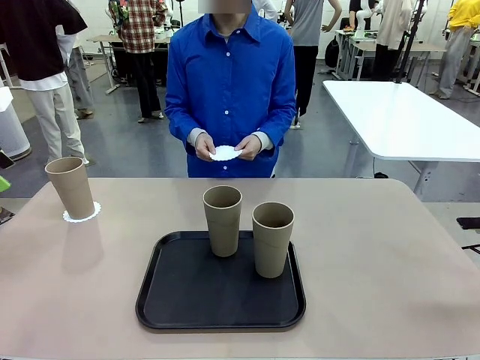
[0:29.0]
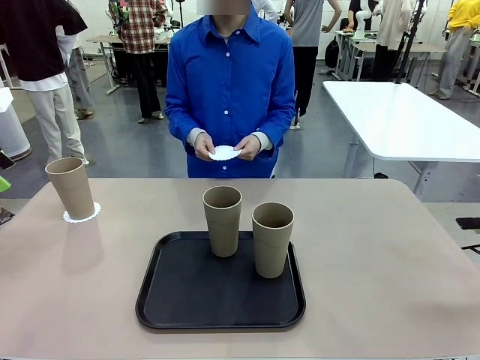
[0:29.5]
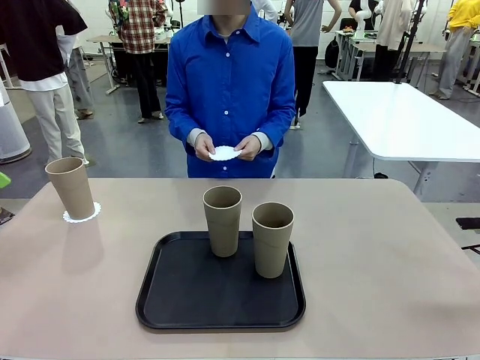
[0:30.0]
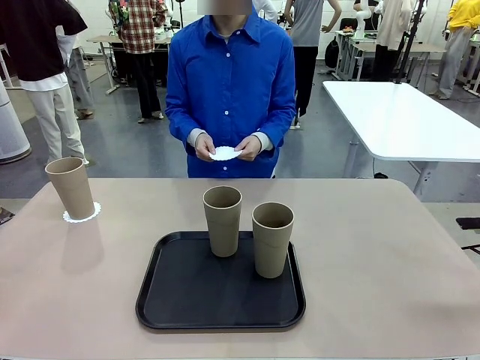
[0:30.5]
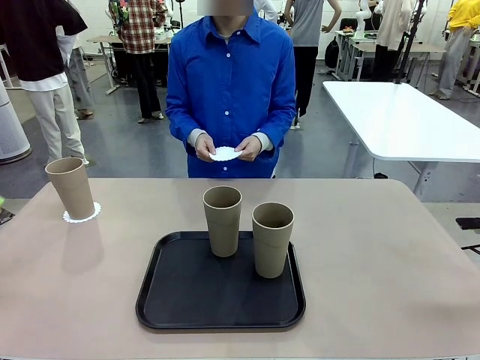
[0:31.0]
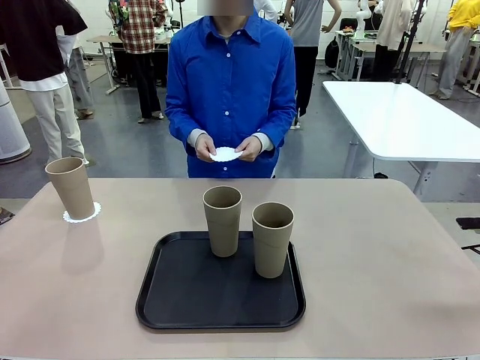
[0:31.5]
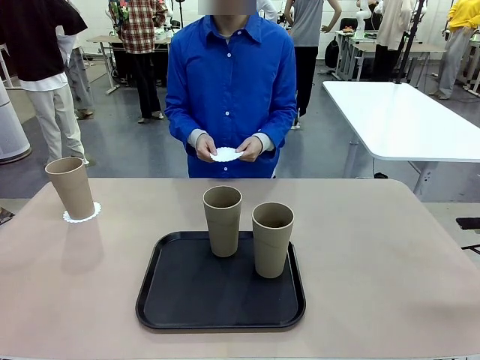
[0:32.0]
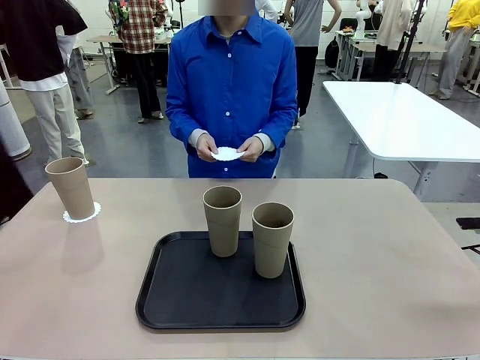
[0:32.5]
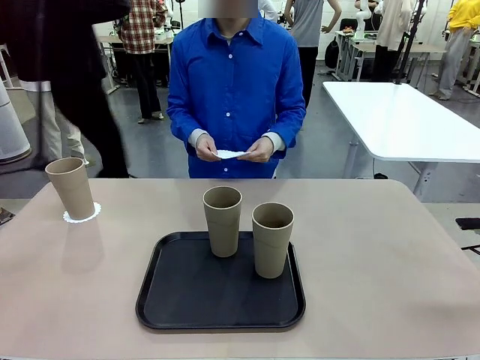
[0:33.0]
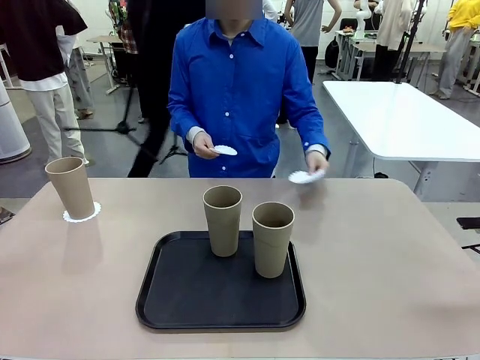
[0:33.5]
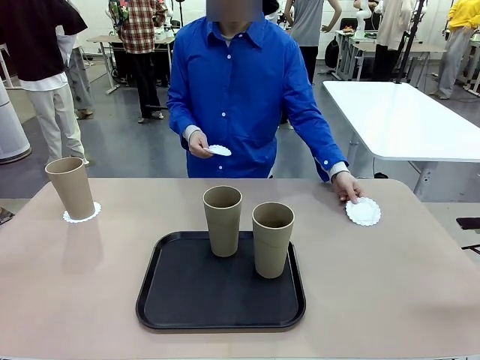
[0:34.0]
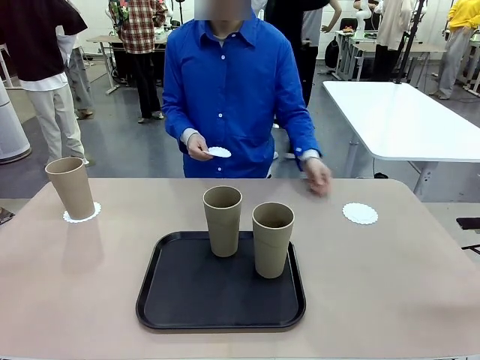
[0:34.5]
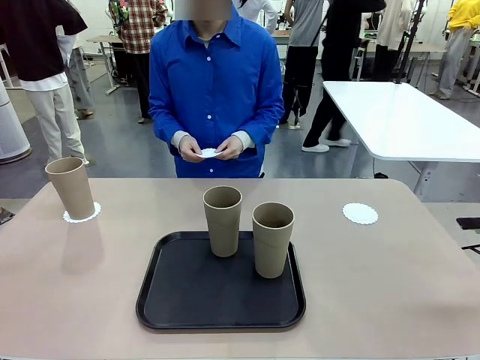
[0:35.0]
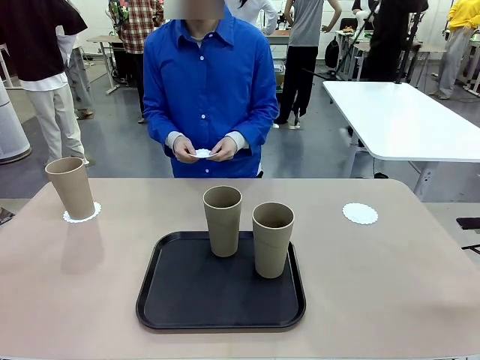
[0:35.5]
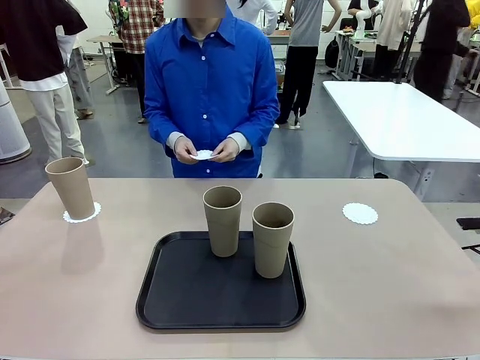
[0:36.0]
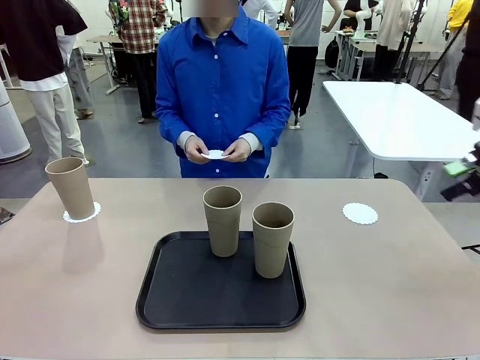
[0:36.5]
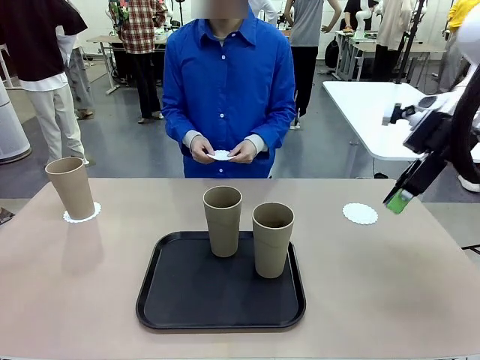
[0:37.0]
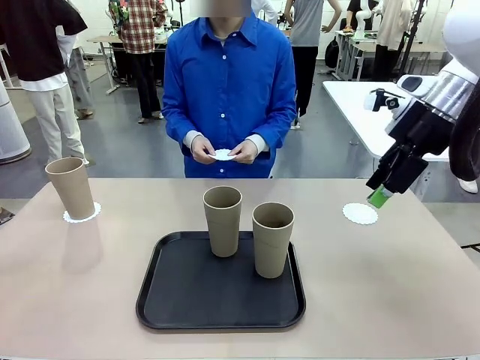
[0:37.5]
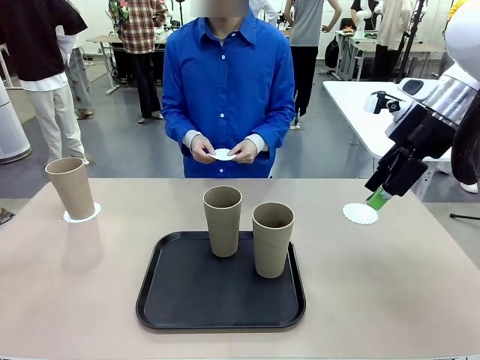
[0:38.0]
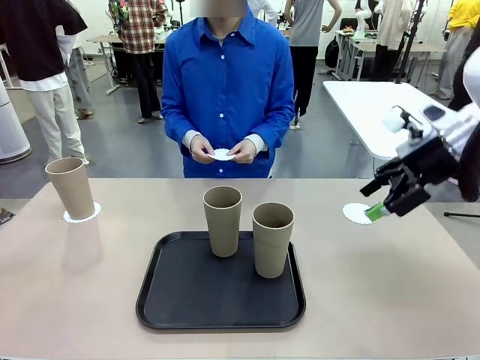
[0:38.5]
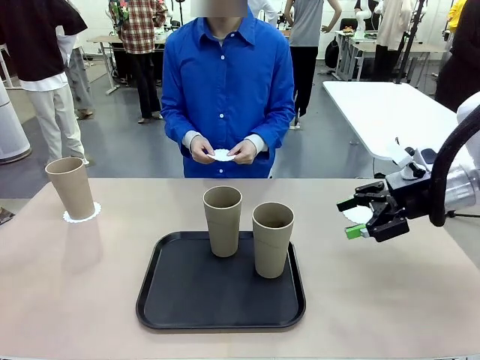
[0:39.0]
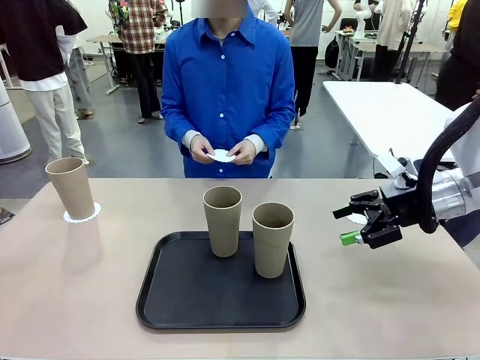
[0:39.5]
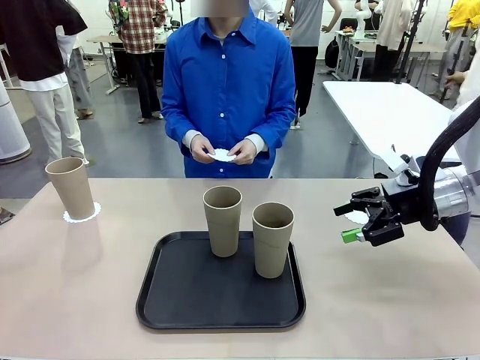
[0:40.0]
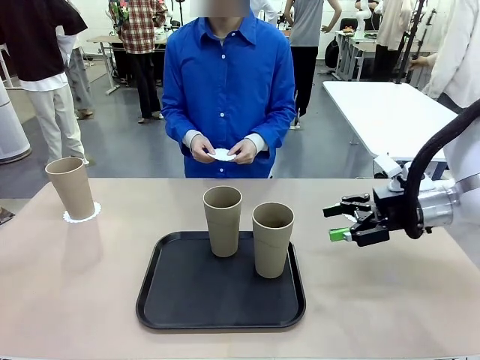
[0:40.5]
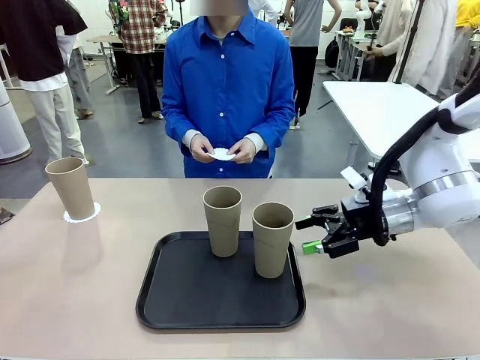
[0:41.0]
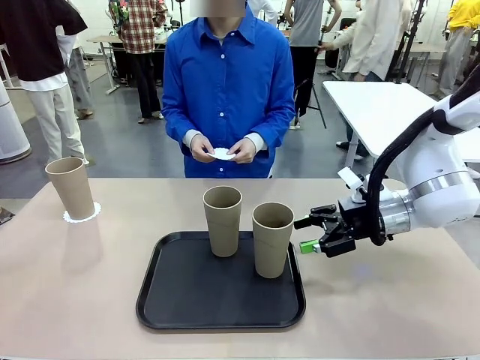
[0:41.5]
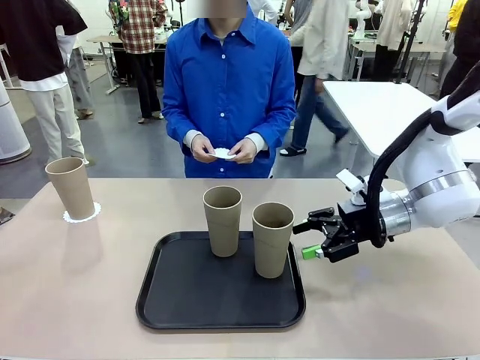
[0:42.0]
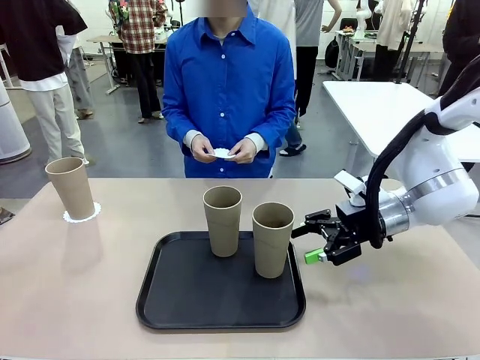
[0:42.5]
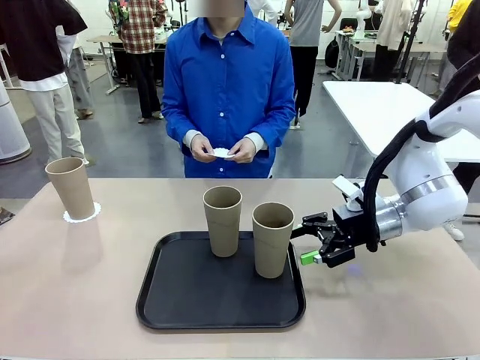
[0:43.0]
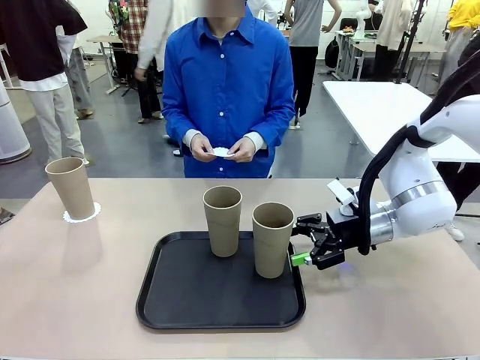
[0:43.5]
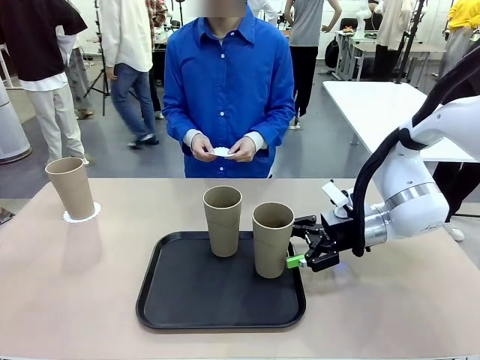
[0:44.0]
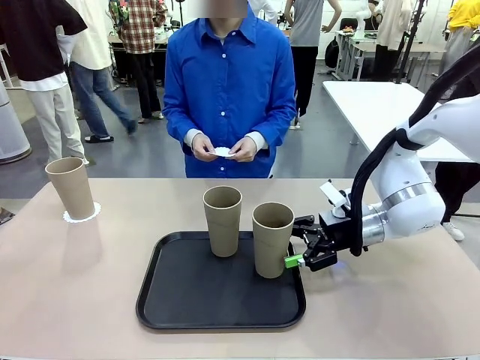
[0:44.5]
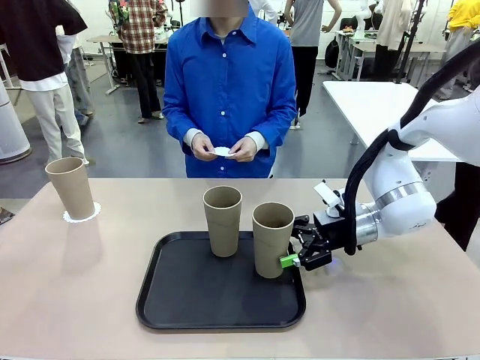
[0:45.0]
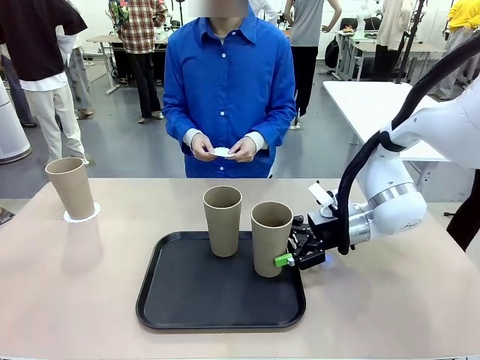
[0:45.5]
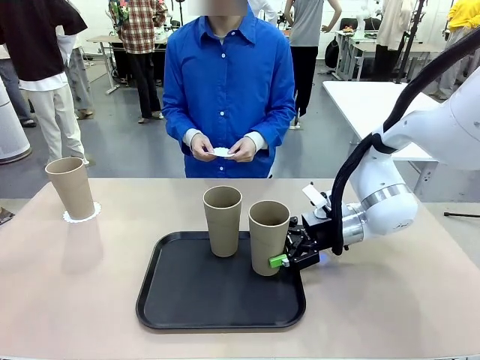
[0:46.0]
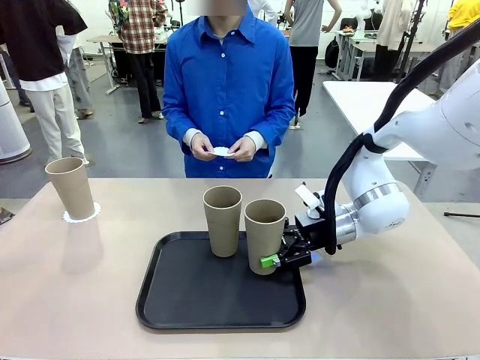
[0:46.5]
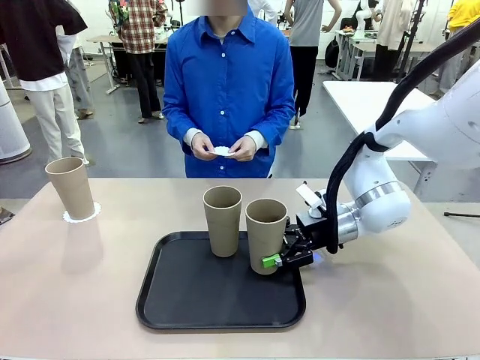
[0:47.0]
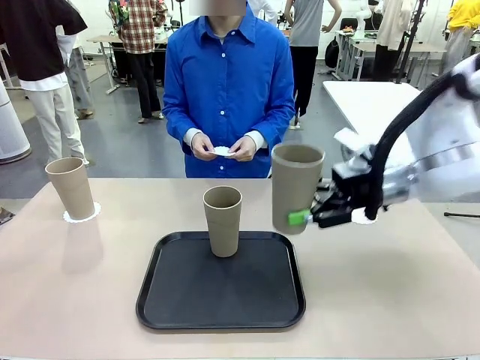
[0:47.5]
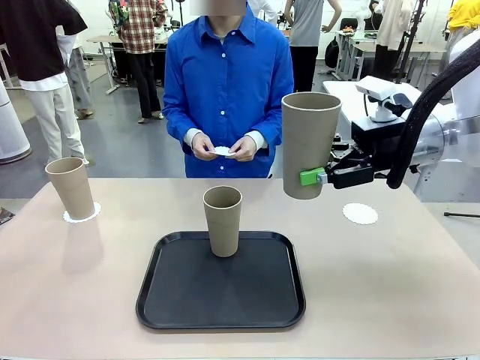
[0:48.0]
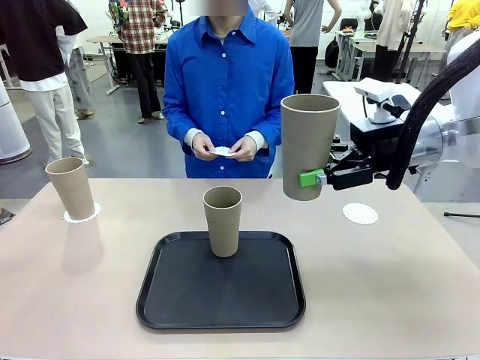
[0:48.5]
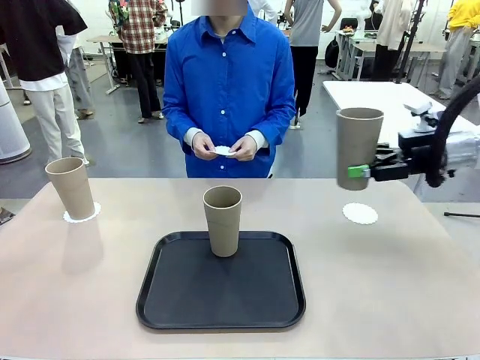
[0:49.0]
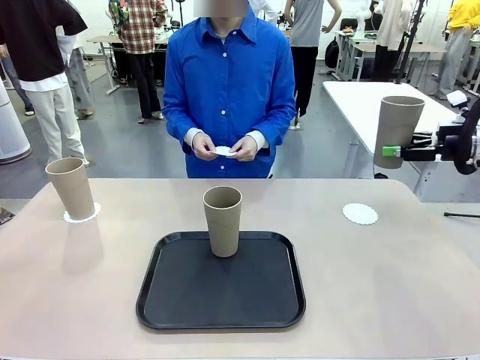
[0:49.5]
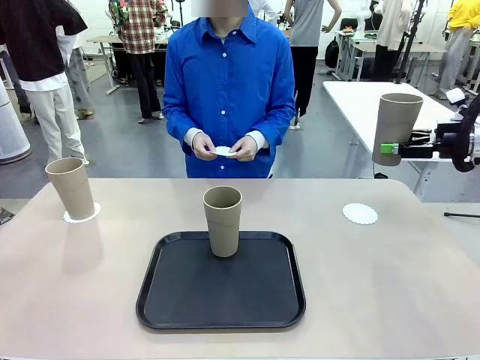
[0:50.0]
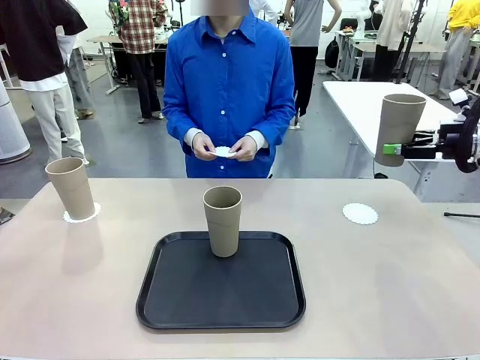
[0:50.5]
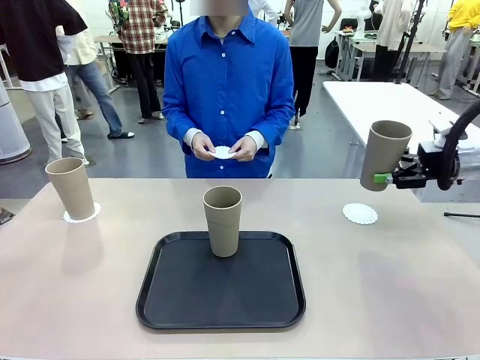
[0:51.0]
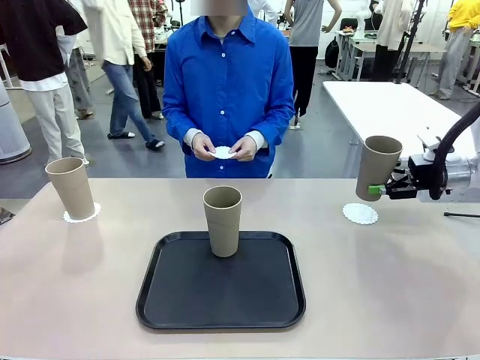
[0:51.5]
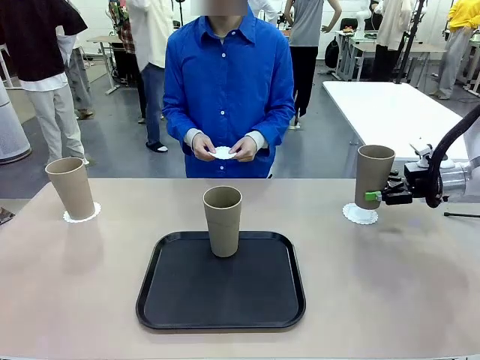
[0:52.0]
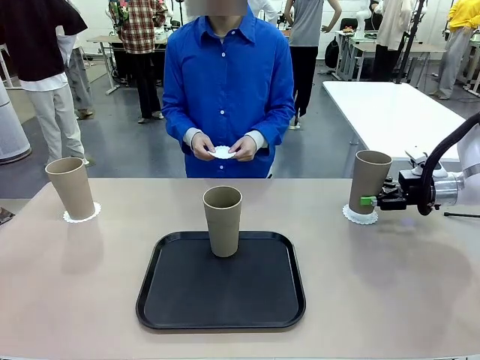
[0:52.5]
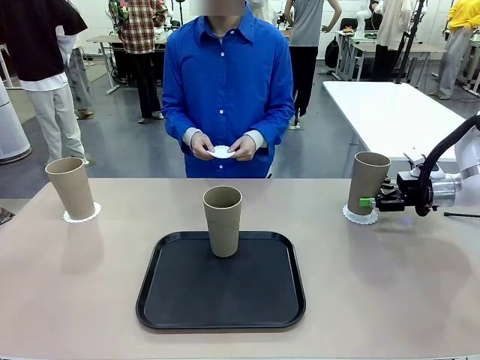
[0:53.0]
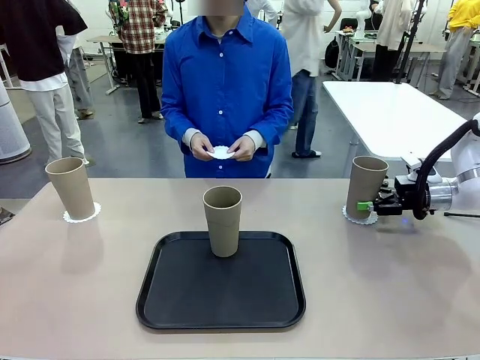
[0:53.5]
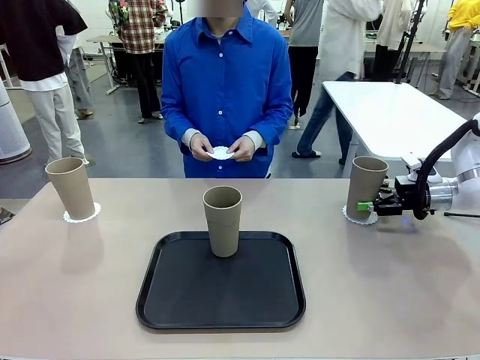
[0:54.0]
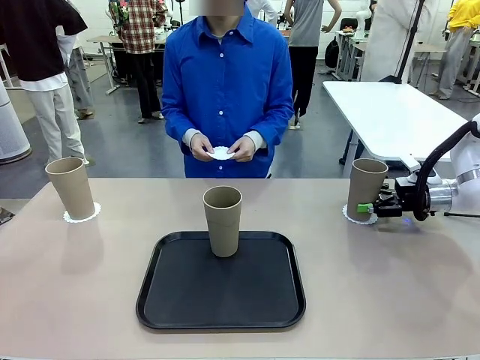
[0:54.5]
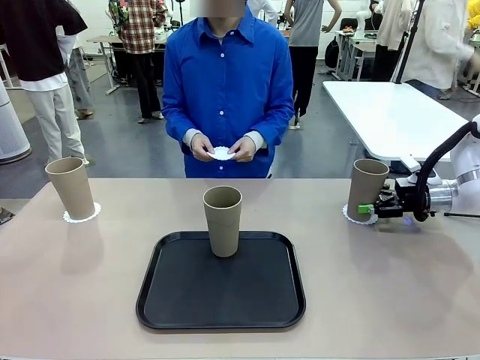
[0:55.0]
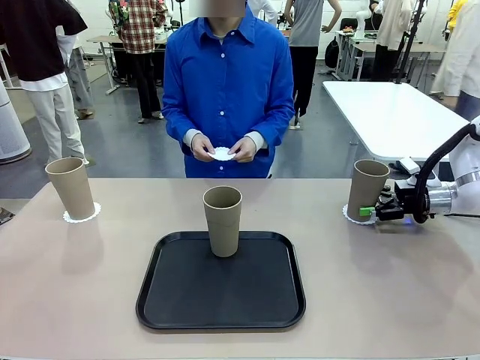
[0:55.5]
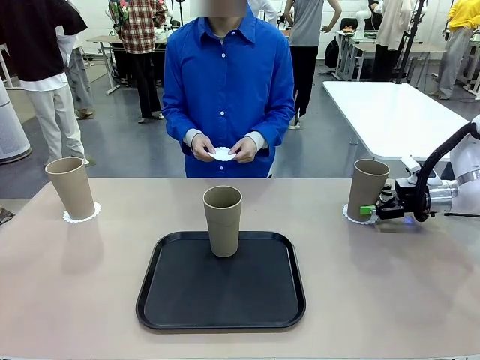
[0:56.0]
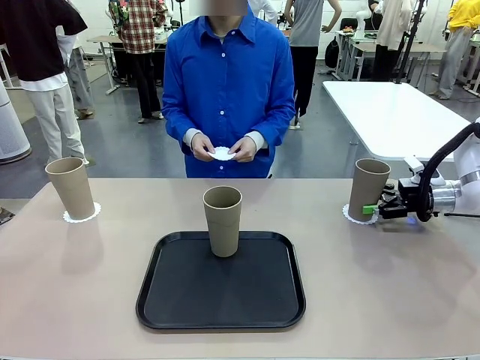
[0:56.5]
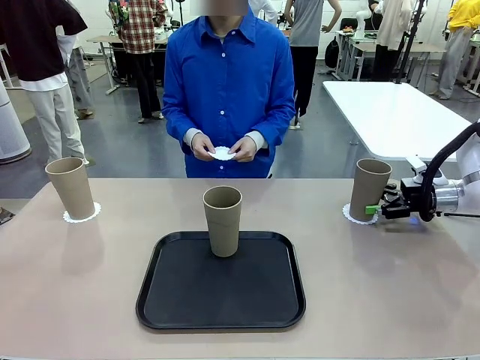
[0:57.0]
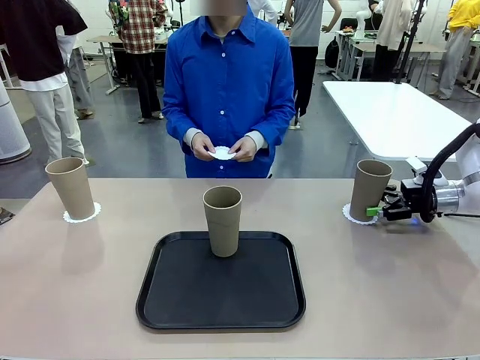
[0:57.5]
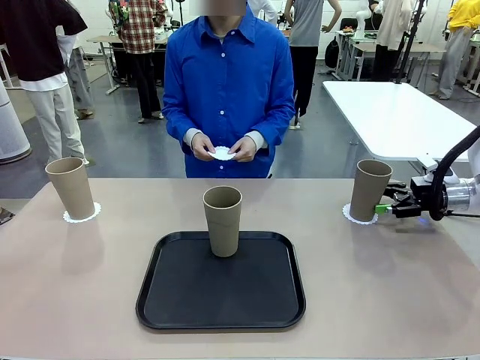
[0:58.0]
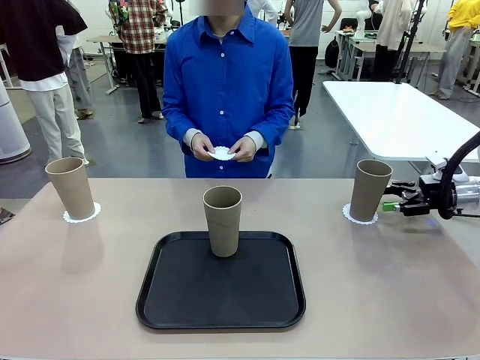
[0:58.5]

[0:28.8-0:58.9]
Task: Place coasters on the table and set cups on them.
Robot: Take one Reusable plastic cup from the Flat Tray and place it on a coaster set by the human.
